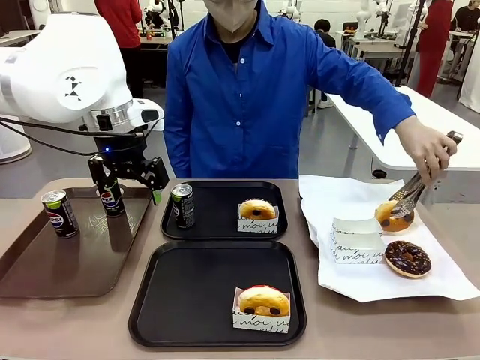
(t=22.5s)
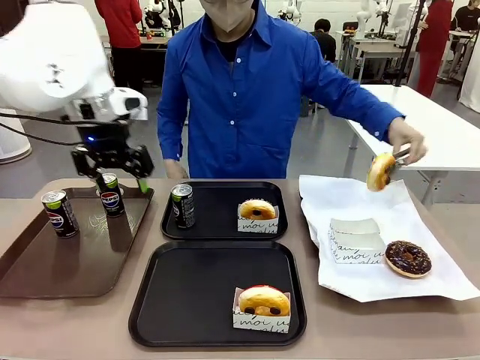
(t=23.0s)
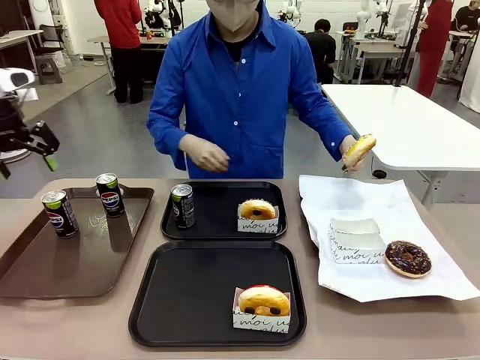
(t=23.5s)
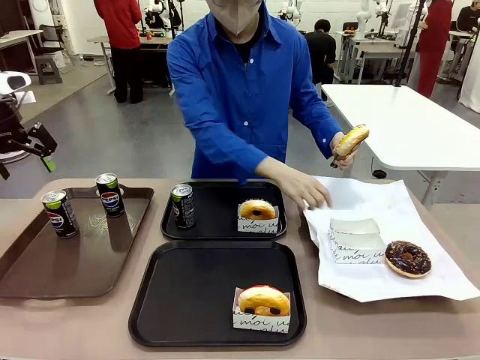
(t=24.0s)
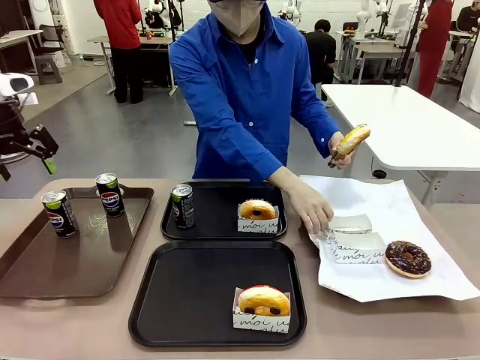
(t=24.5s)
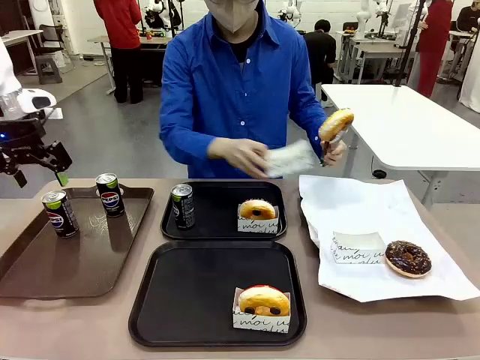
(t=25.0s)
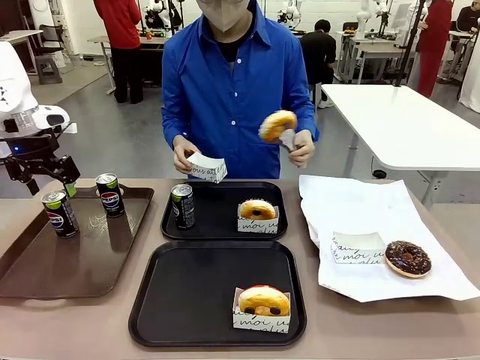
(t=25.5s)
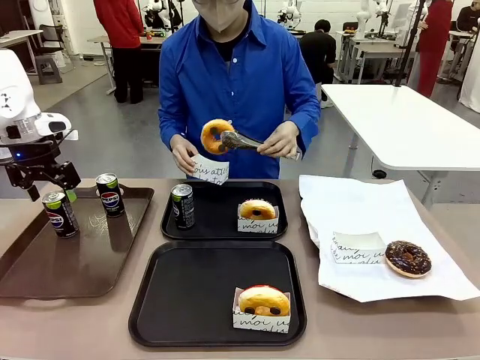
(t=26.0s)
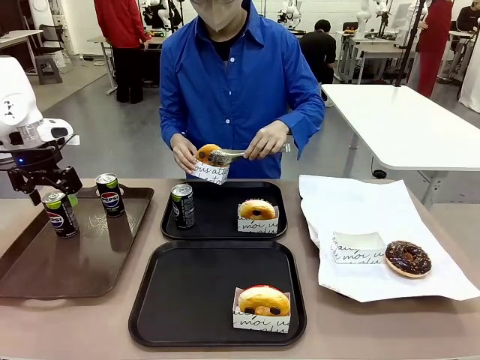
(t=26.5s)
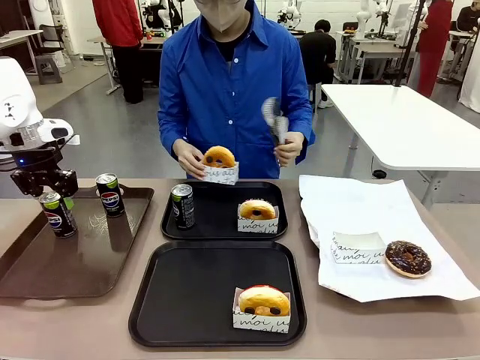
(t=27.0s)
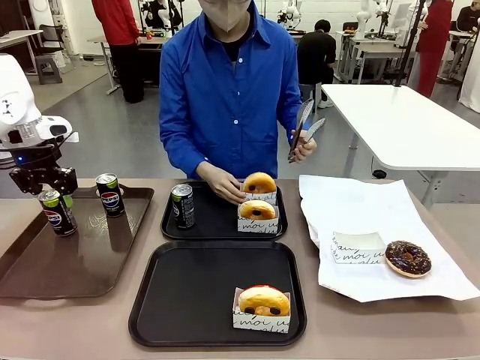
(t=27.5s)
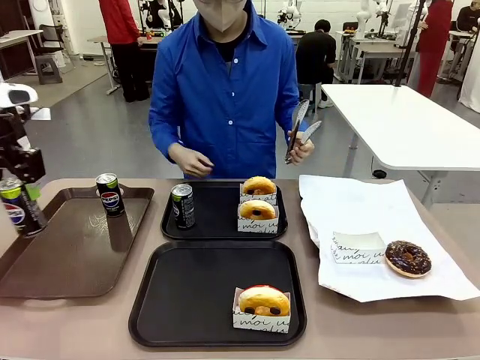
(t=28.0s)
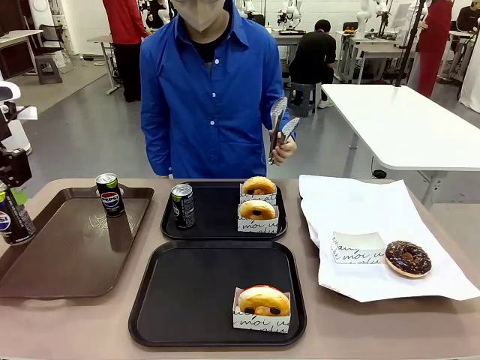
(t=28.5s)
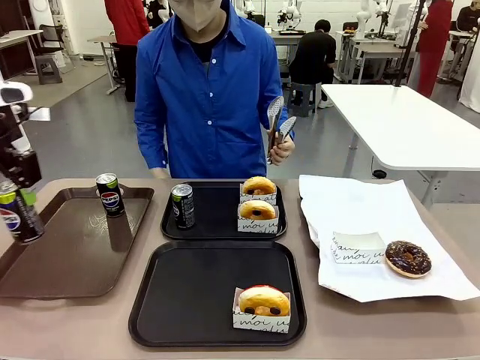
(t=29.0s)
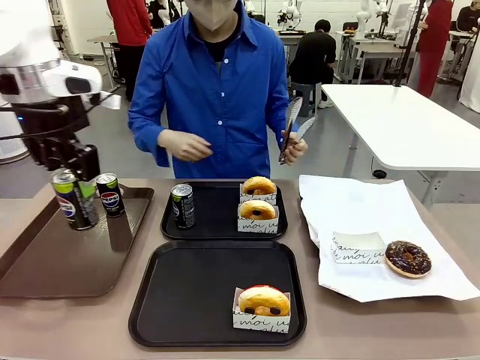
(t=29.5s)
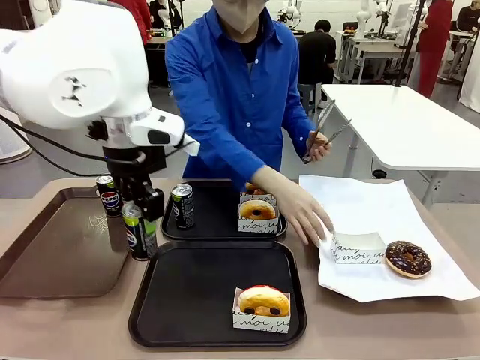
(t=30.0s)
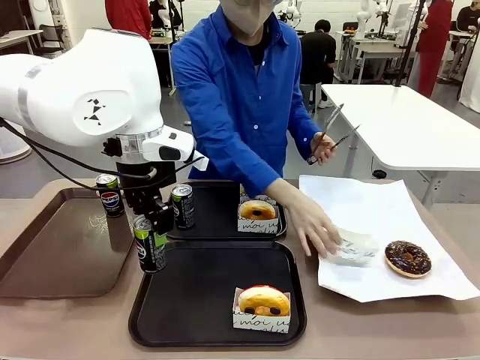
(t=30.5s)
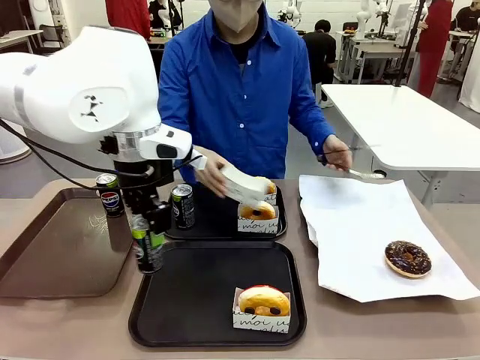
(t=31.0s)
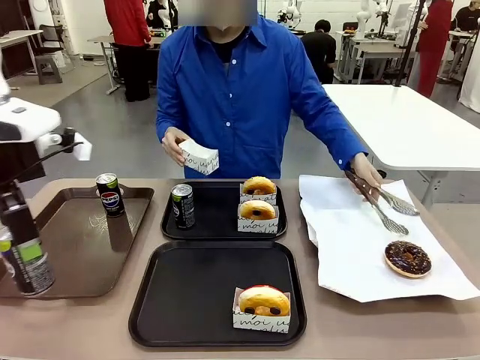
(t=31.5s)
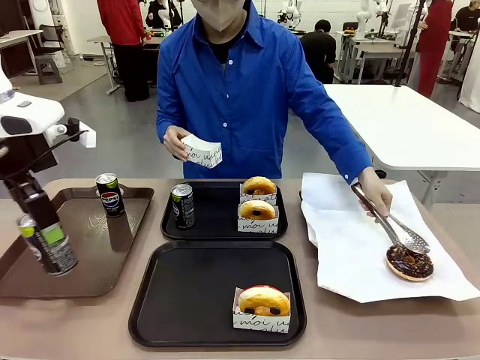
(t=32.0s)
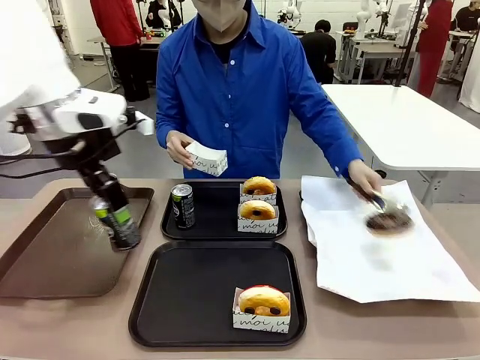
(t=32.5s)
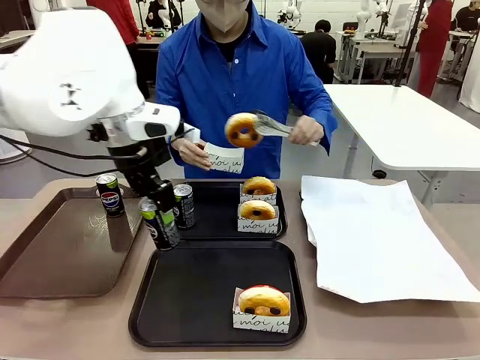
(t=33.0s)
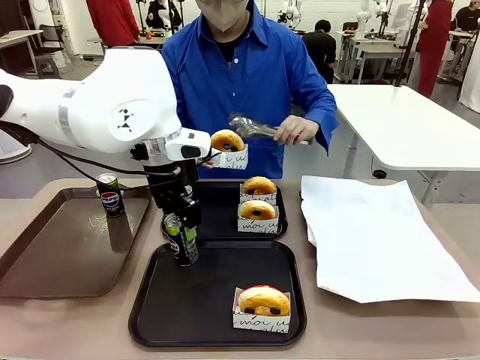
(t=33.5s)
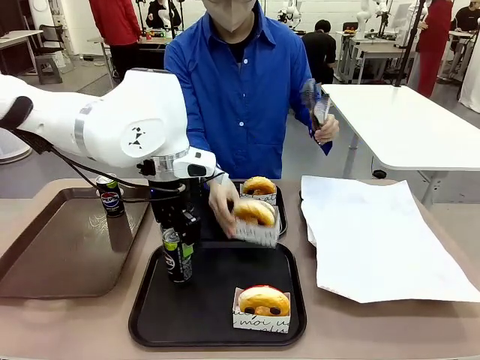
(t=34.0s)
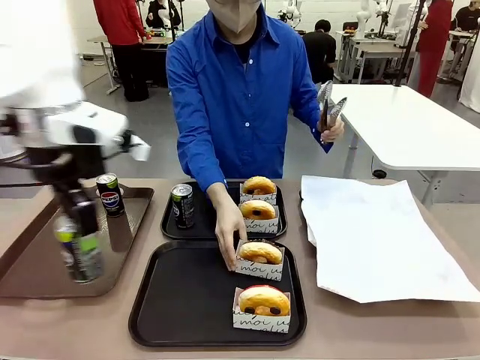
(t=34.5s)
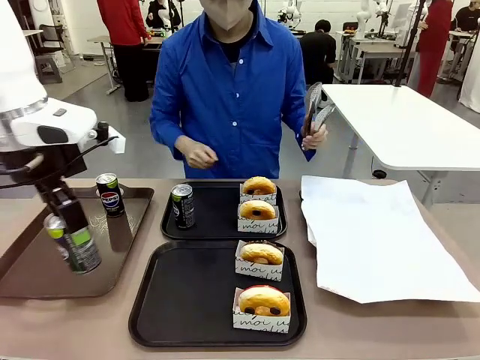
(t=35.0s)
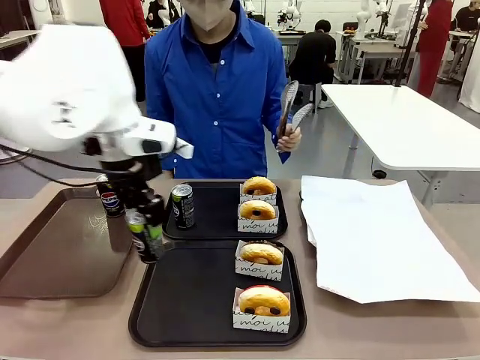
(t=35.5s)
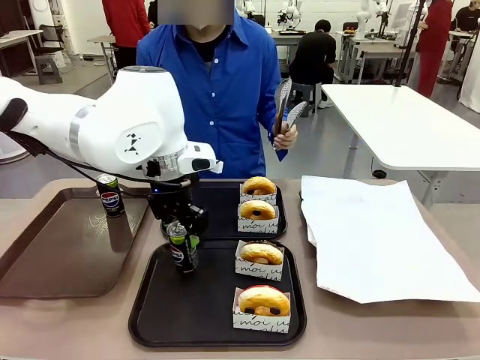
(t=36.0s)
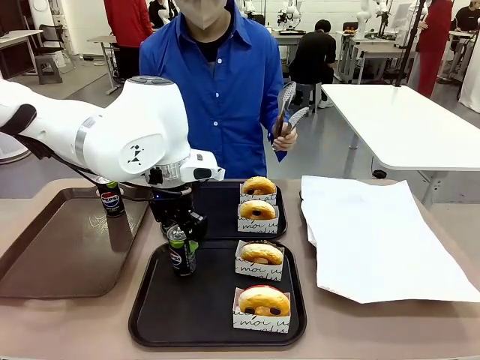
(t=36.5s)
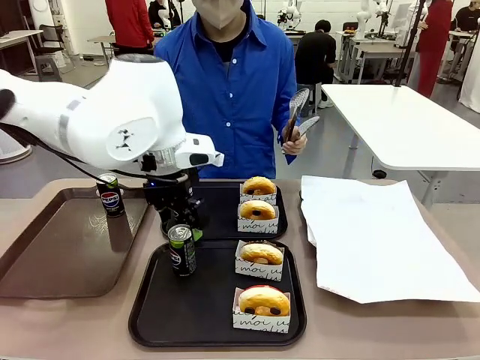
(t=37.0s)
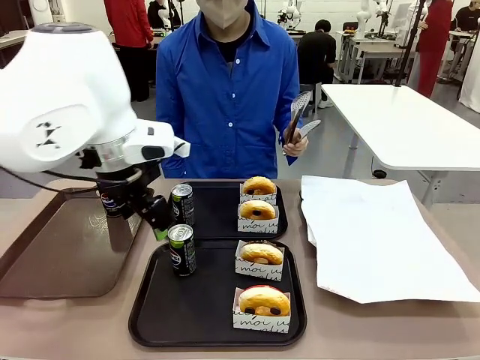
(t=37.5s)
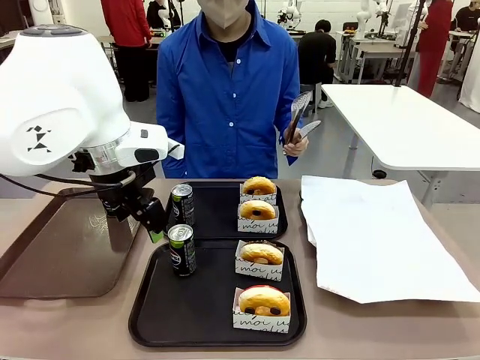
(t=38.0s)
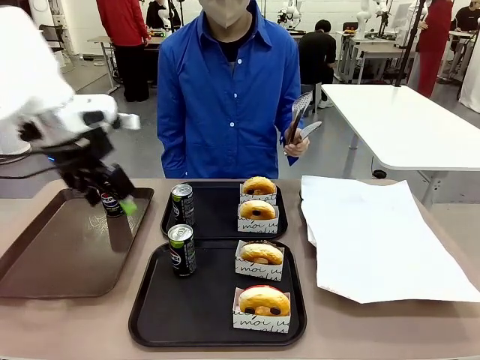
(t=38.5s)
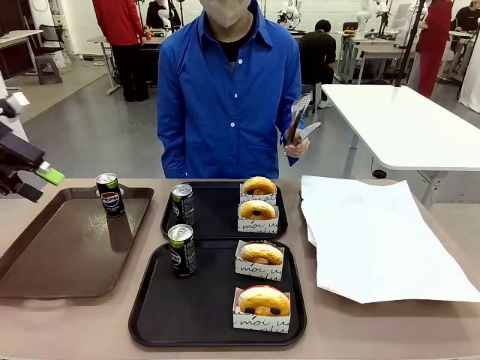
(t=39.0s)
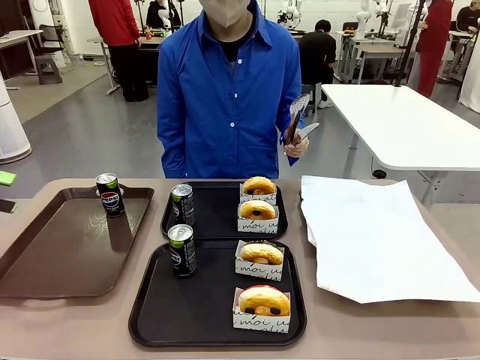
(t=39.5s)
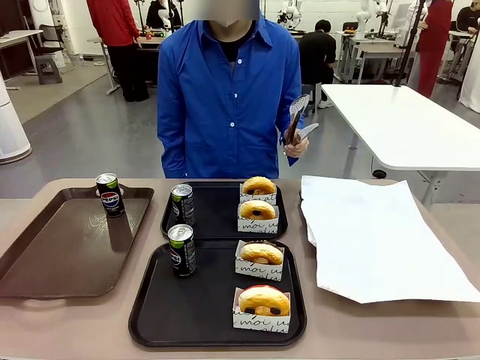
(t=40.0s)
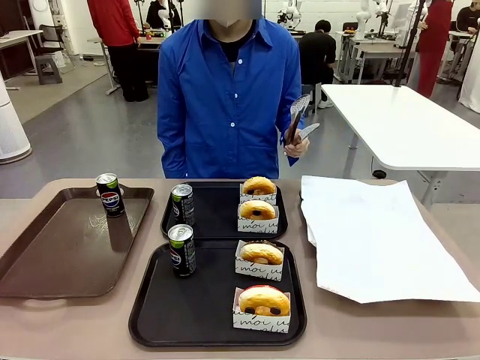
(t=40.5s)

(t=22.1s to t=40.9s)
Task: Set up donuts and drinks on trays.
Robot: Pick up one Pepsi coke from the Handle tray and place it on the Flat Tray without a Pepsi coke.

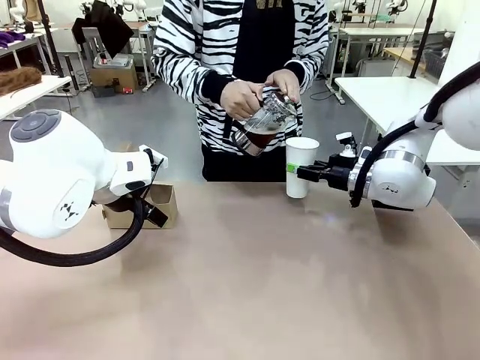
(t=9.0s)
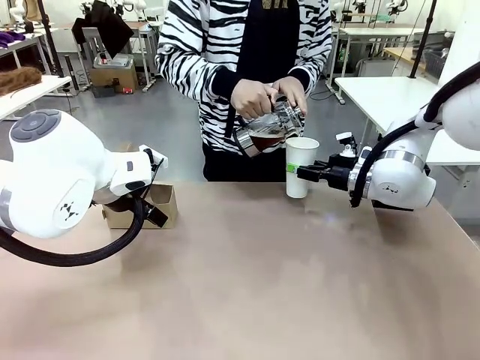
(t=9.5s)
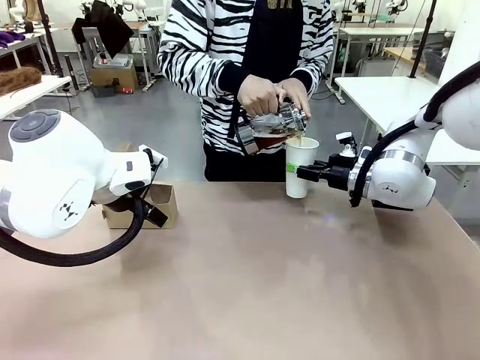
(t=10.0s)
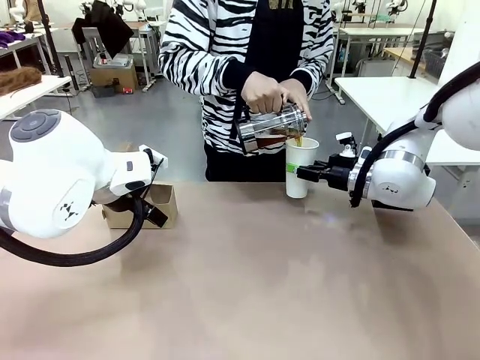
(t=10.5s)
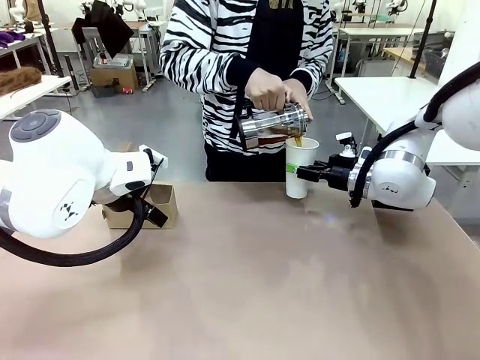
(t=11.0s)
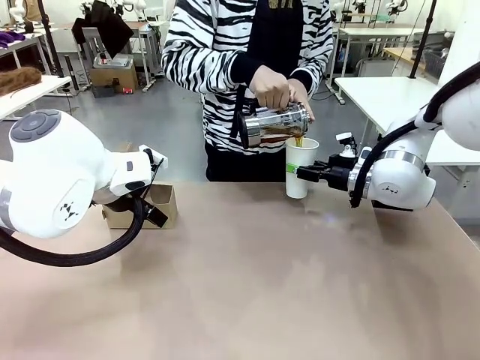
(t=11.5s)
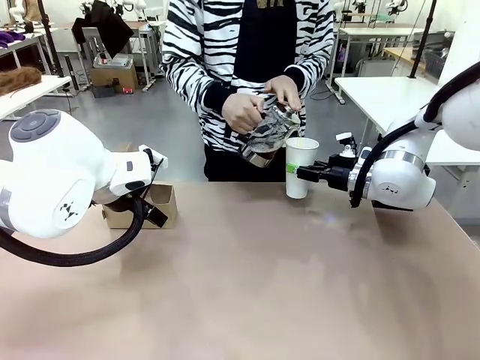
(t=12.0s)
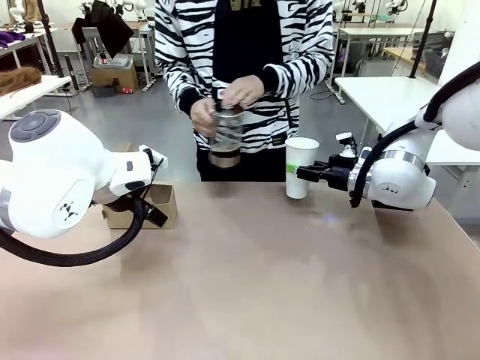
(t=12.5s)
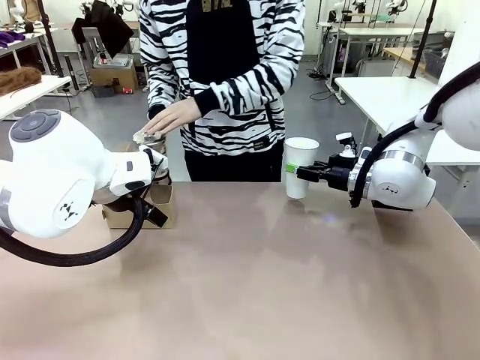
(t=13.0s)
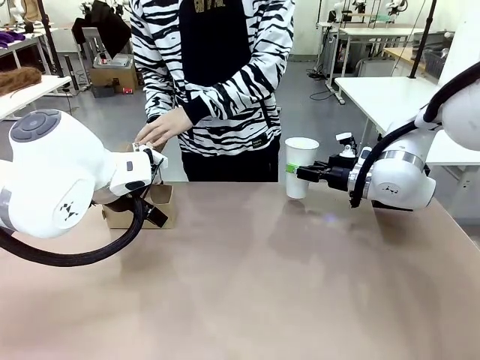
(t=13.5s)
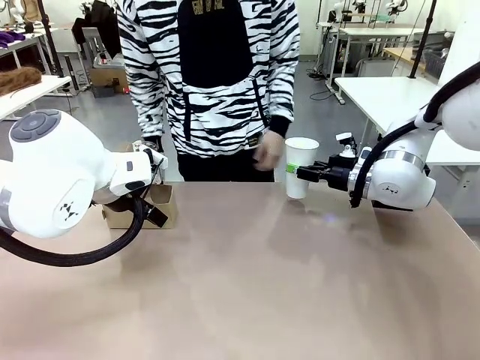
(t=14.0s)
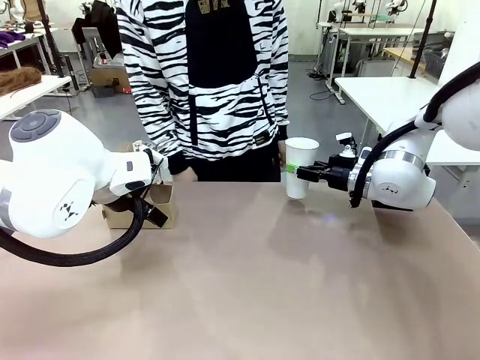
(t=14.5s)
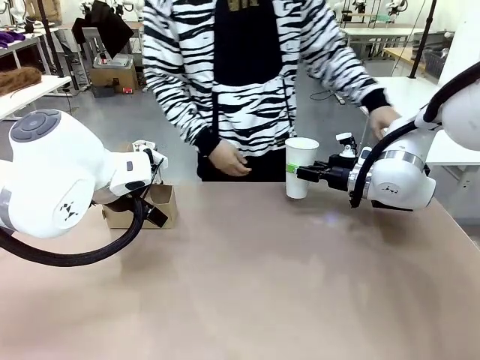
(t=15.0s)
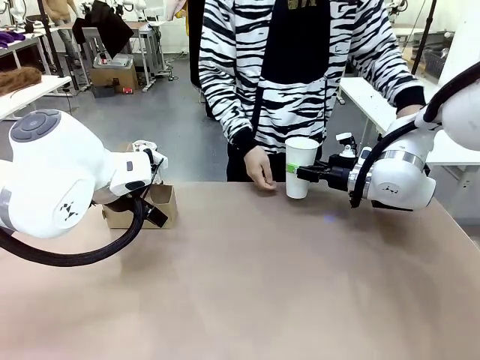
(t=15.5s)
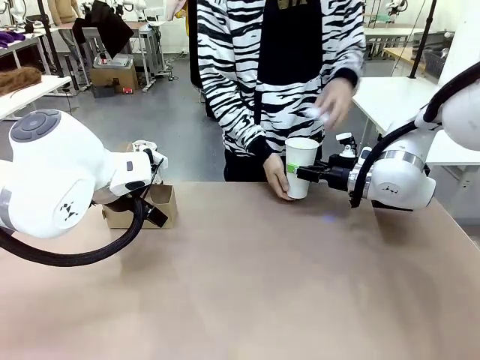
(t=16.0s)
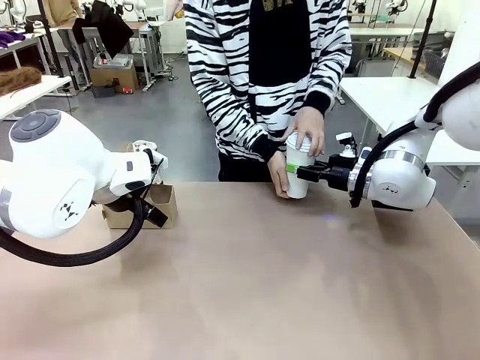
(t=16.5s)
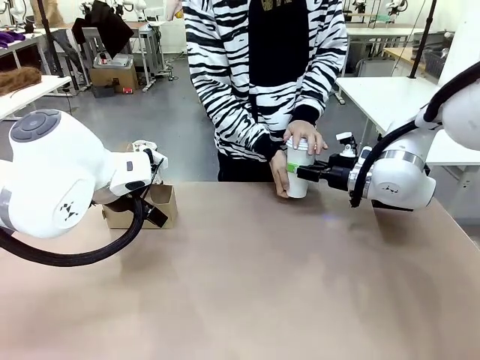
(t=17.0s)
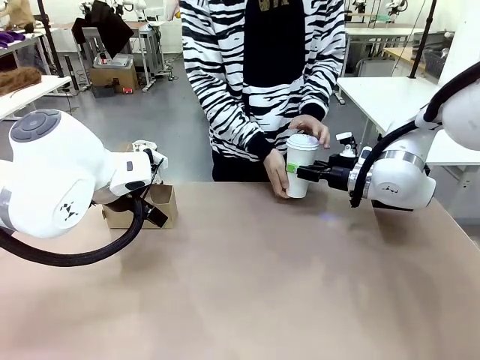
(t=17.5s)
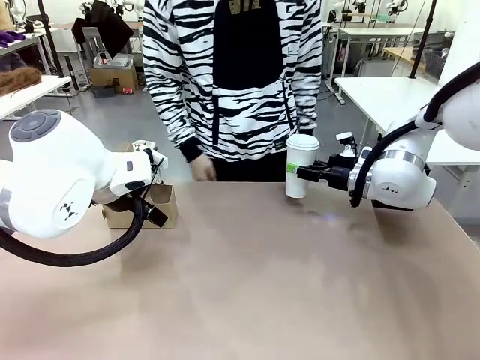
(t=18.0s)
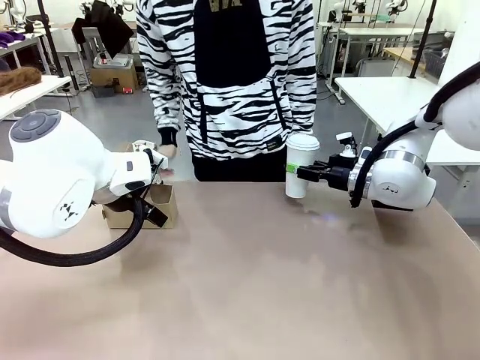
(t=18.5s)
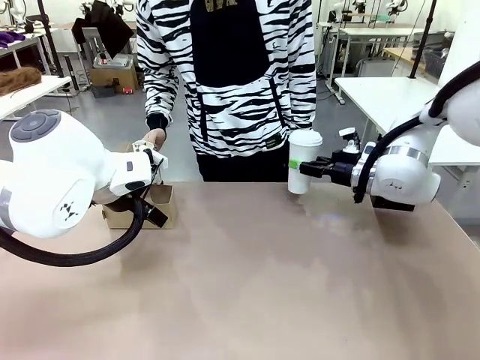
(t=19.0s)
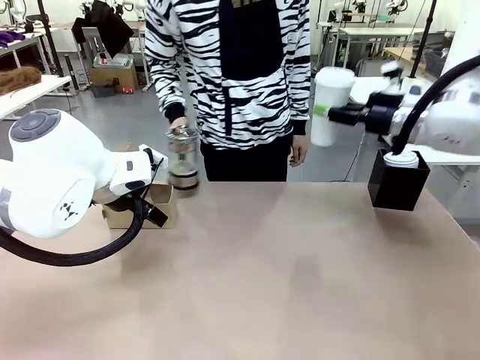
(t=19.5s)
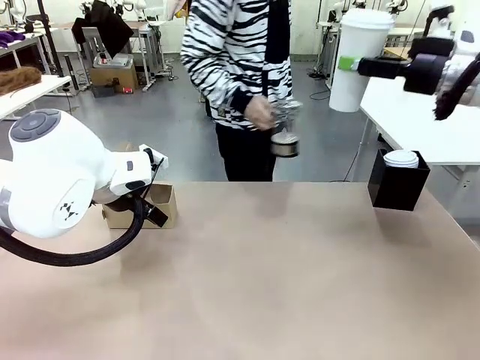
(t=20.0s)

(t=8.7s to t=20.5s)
Task: Pour a drink into a cup and package it in a carrier.
Robot: When a person places the Paper Cup Lid on the 600 ml Paper Cup , lift the 600 ml Paper Cup.
Person: Pour the drink from the Filter Brewing into the 600 ml Paper Cup. Place a Paper Cup Lid on the 600 ml Paper Cup.
